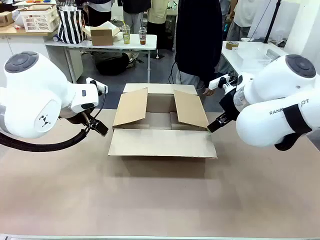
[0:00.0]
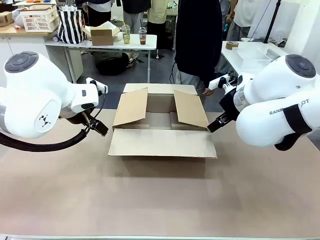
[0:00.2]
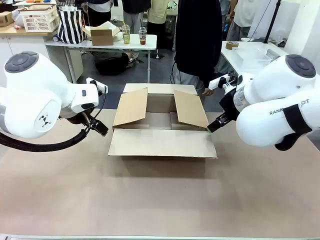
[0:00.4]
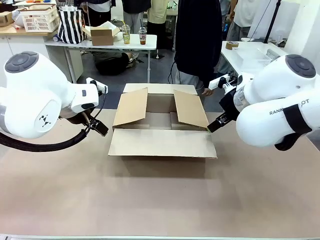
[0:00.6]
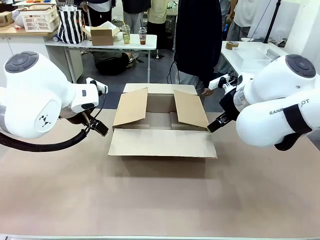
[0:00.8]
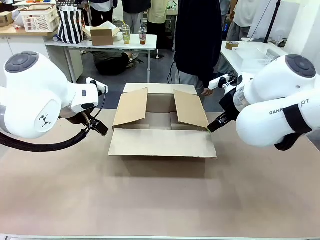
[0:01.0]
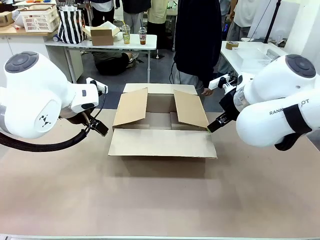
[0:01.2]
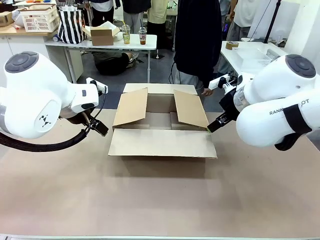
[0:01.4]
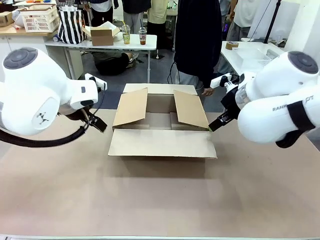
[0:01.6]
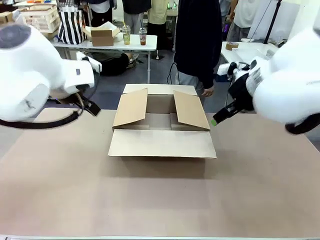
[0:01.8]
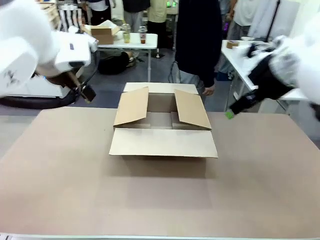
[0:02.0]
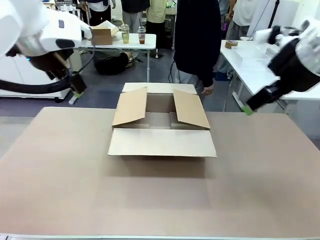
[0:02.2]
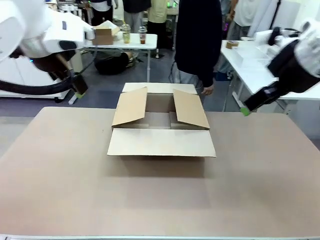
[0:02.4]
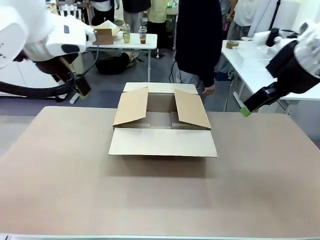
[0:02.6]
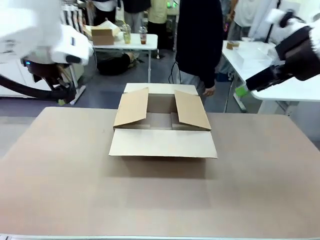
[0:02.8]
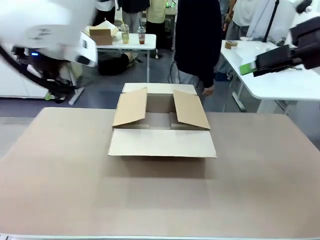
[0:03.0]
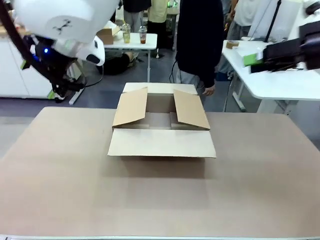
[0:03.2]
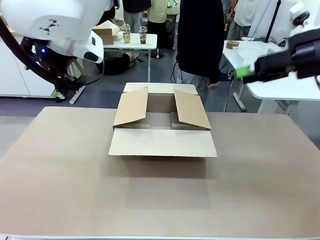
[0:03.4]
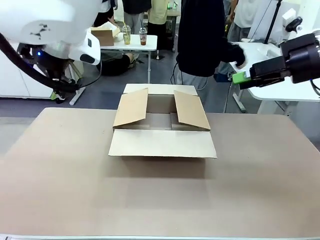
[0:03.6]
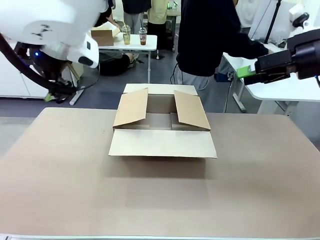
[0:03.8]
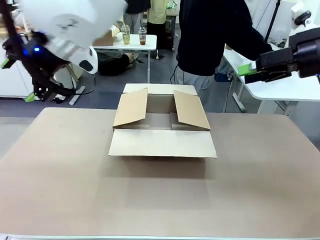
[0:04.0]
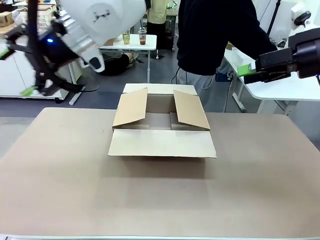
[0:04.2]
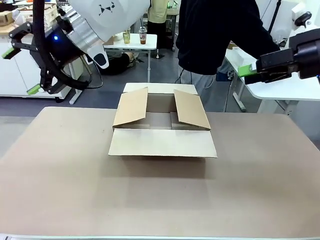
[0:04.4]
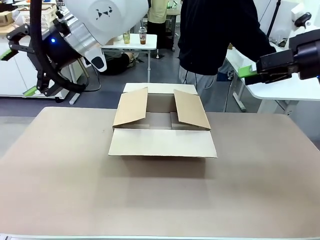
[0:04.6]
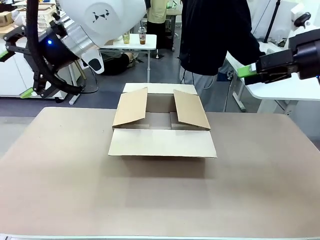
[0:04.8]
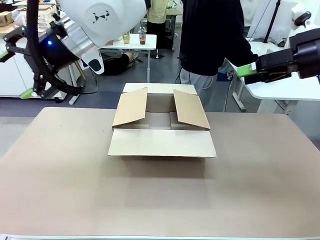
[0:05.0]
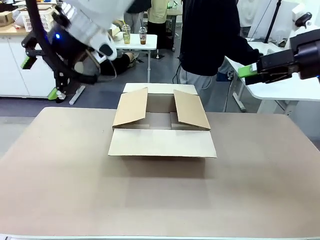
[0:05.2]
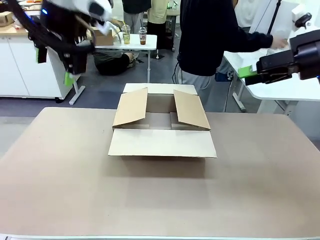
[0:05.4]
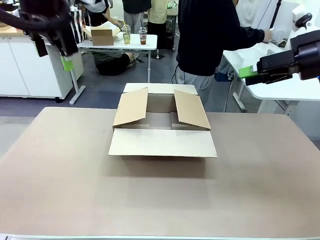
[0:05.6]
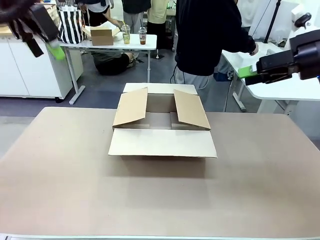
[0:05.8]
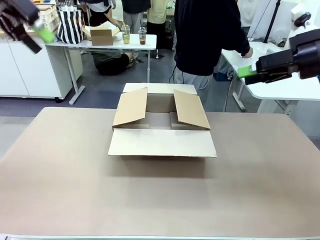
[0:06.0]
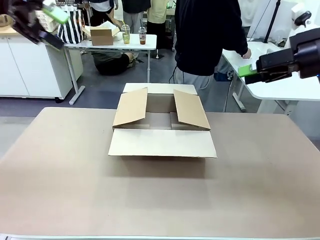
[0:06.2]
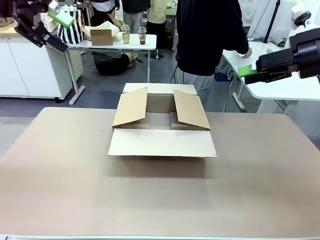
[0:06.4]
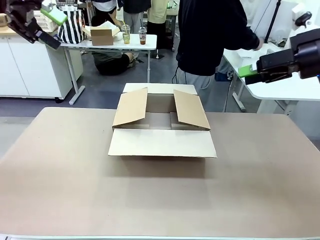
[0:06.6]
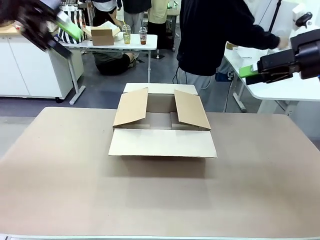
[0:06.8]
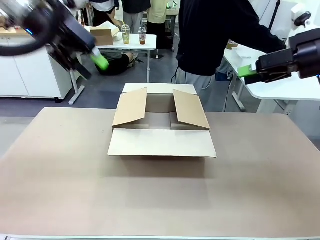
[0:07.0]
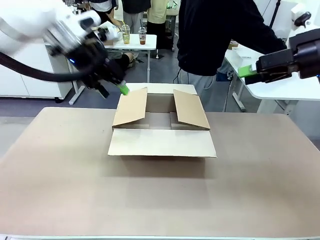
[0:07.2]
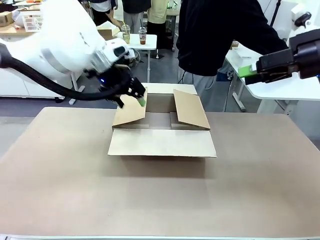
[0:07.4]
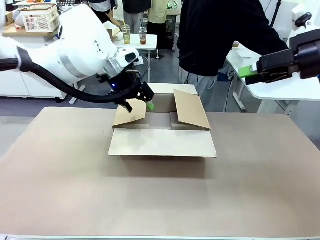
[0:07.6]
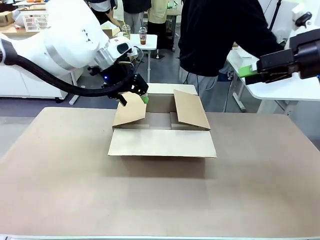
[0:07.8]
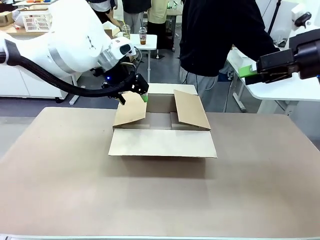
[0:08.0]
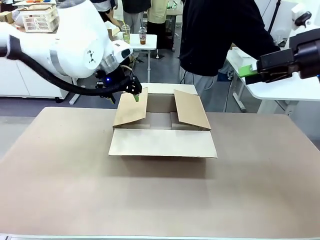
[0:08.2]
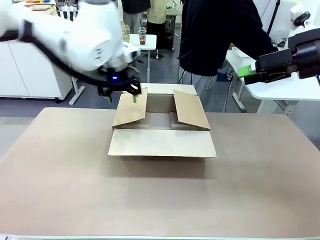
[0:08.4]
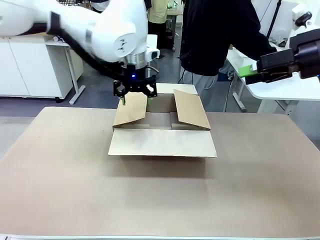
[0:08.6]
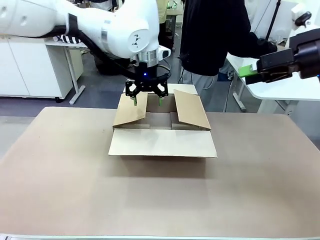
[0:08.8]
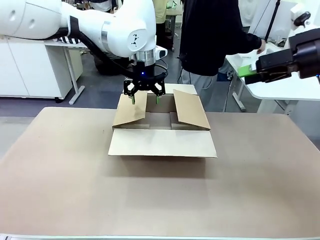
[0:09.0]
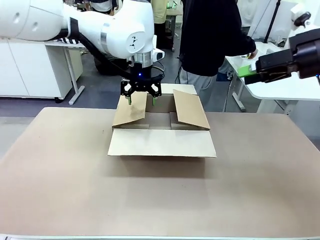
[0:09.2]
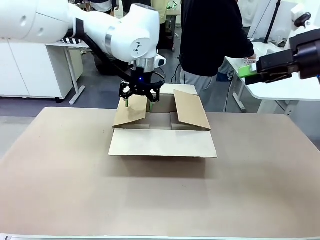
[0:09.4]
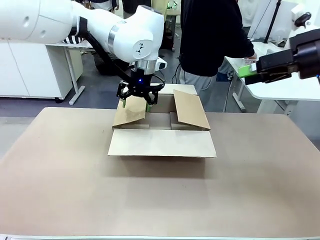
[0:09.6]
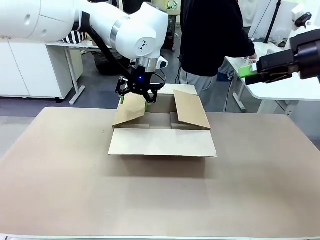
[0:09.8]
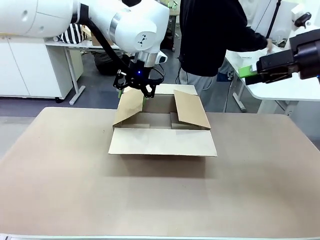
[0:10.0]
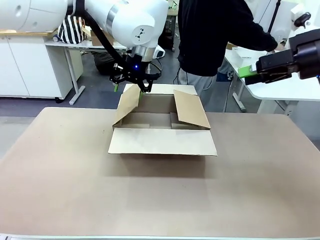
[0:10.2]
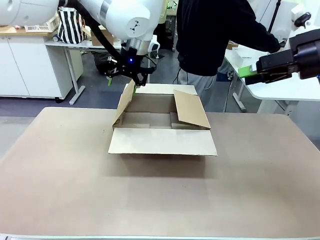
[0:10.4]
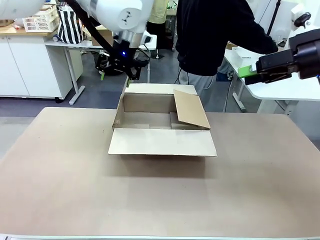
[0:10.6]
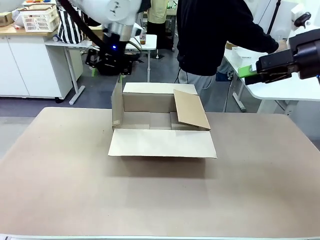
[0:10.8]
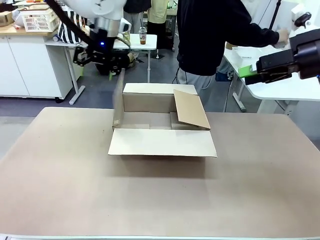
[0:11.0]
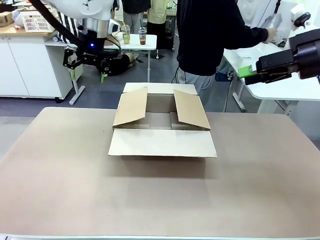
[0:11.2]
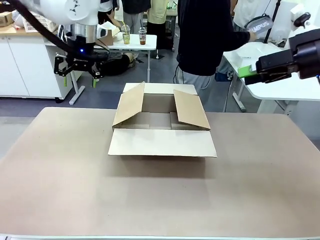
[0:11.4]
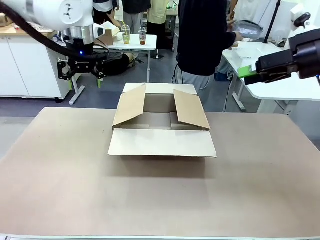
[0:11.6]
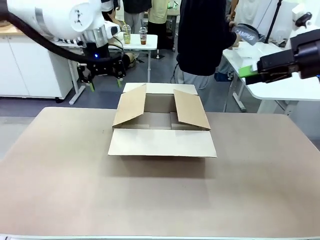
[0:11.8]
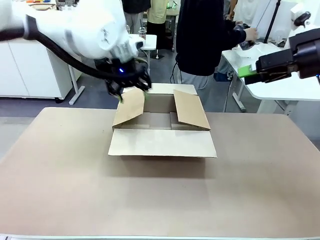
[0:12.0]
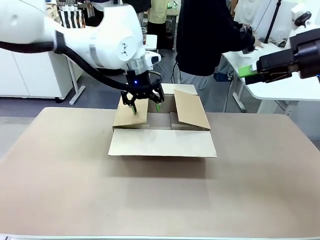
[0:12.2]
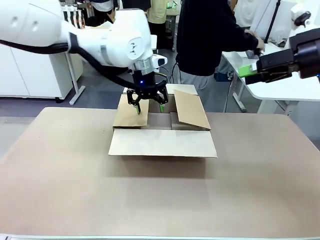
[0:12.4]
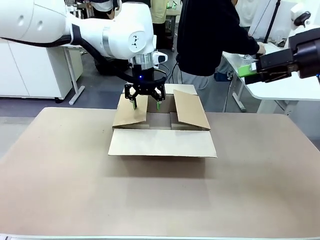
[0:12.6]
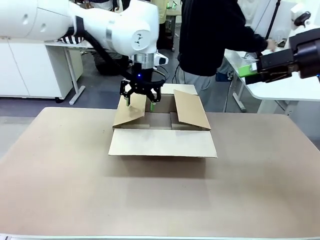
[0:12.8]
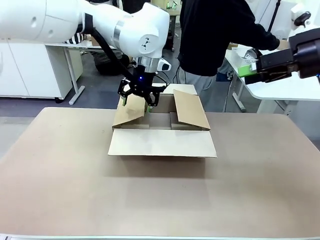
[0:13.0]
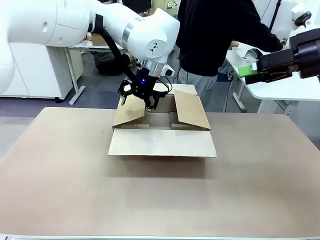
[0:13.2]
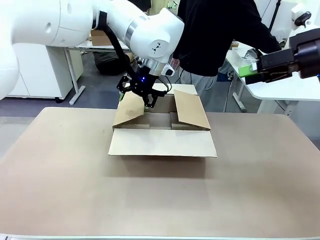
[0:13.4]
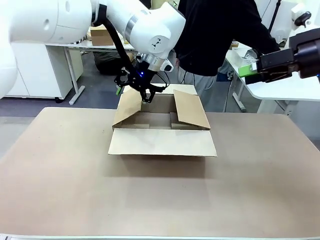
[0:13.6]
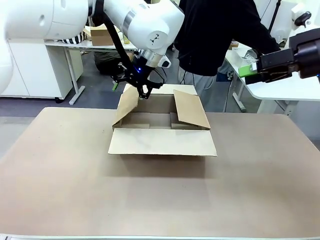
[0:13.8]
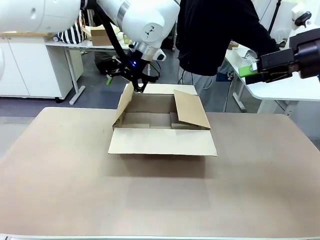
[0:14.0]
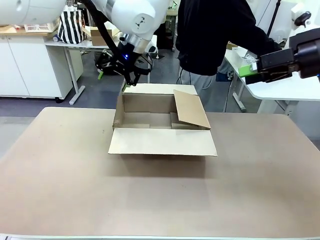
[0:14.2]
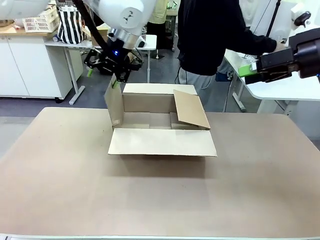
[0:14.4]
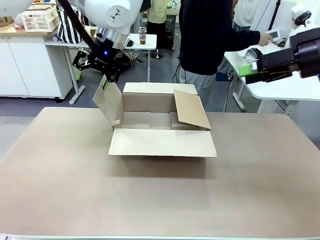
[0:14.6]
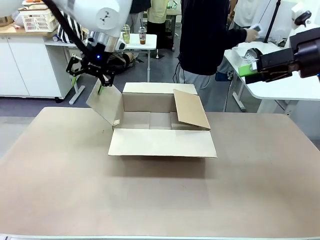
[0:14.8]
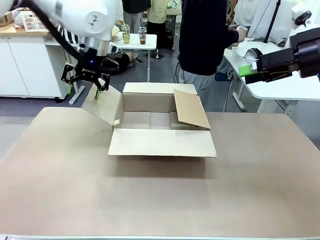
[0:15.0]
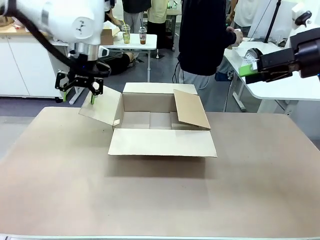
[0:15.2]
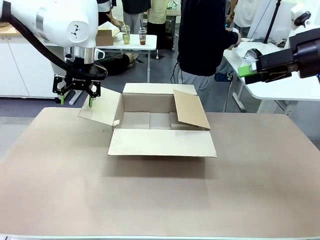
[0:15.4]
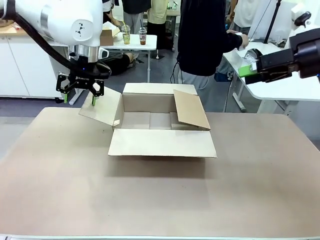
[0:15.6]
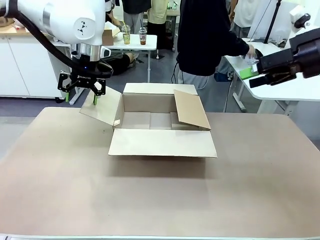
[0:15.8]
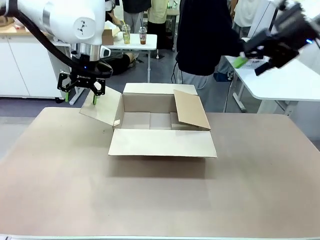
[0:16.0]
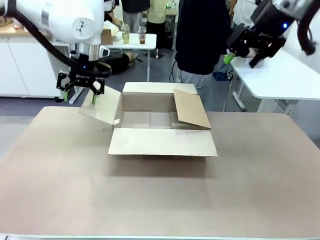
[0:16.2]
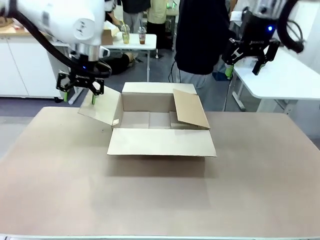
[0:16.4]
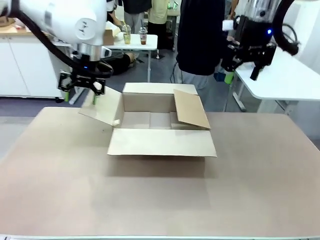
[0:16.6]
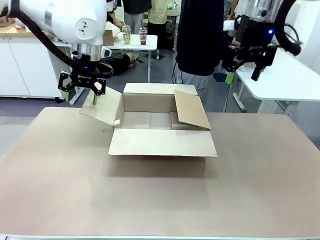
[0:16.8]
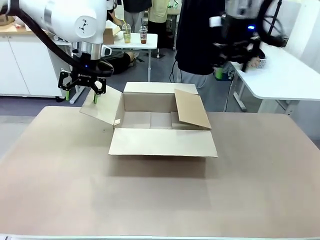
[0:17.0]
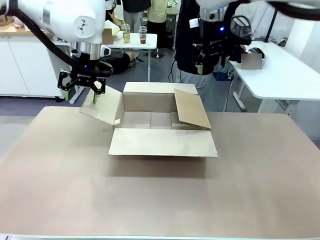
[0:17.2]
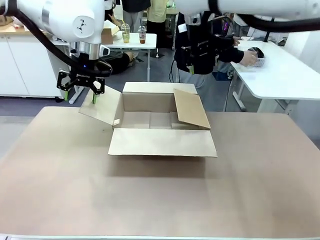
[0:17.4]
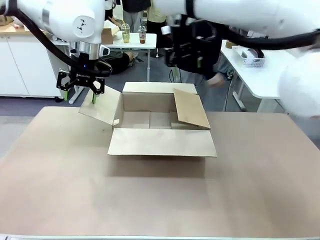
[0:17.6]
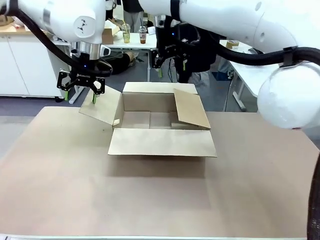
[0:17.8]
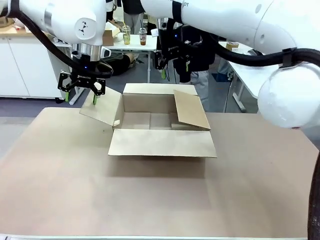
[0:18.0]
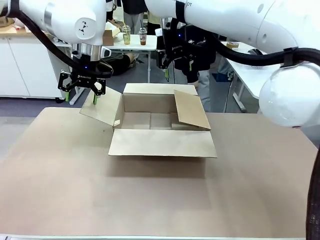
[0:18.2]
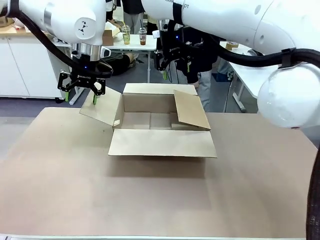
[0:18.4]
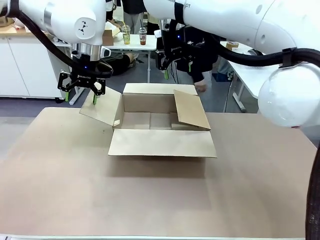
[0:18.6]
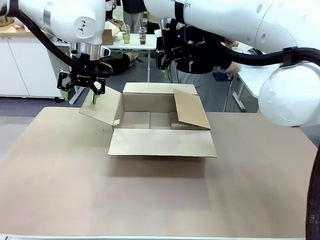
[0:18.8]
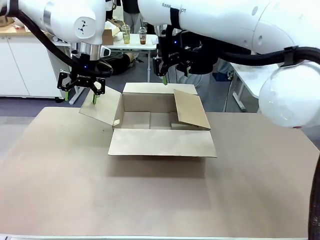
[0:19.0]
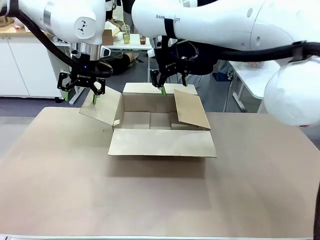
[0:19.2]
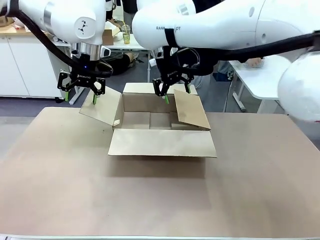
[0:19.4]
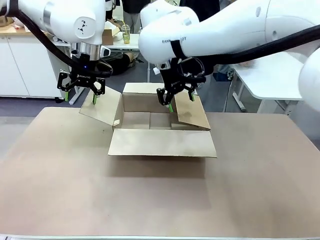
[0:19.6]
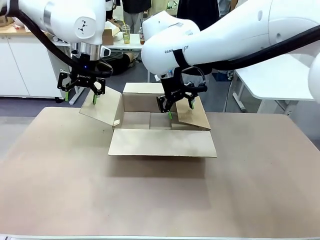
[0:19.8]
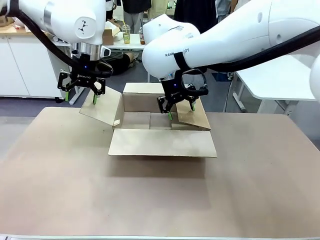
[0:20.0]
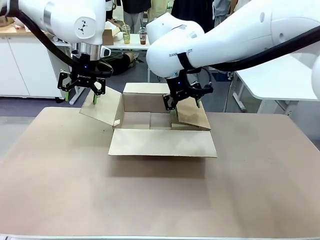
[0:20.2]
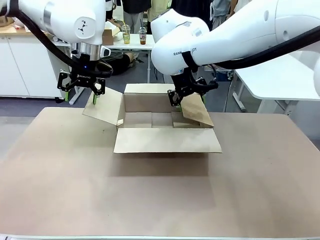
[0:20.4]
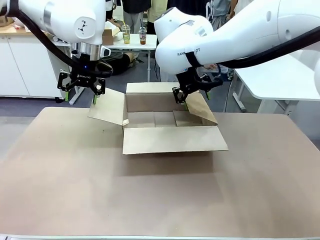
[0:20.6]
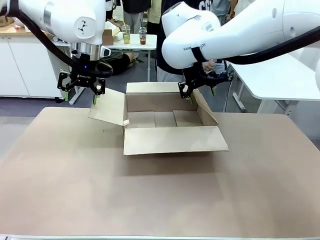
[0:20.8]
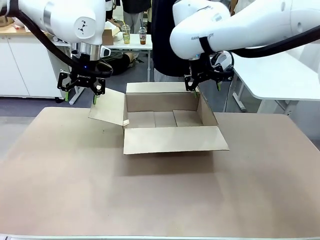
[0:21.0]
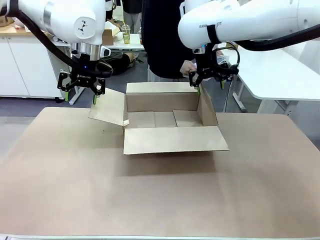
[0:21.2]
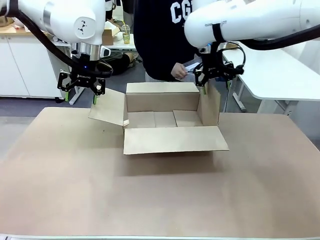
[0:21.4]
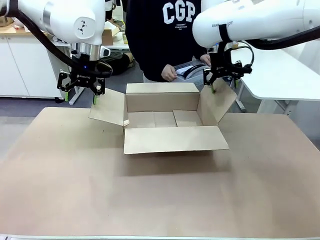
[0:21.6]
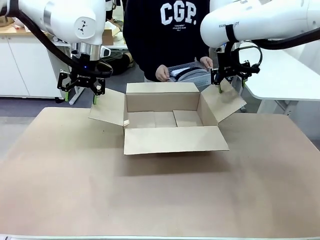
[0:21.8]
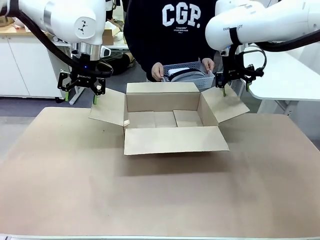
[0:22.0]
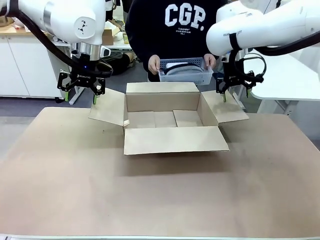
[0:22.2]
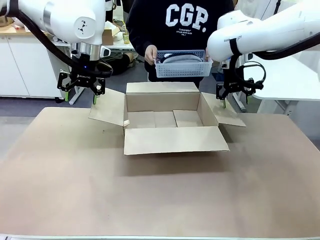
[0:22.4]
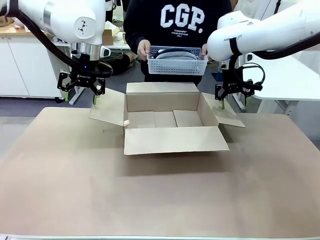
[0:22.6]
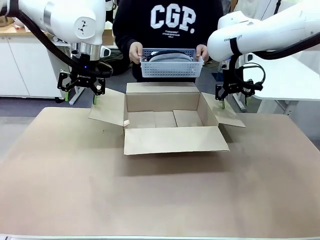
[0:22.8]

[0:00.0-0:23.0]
Task: Pack the gift set into the box.
Robot: Place both hands on the side flaps of the Package Box and spread them outward.
Person: The human places all items except the paper tape into the organizing basket. The human picks up the organizing basket and places the organizing basket into the package box on the robot table.
